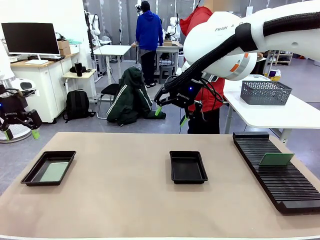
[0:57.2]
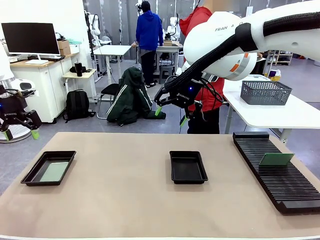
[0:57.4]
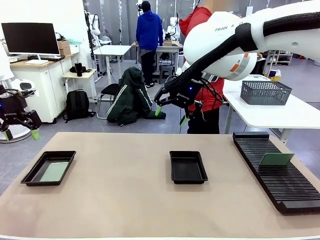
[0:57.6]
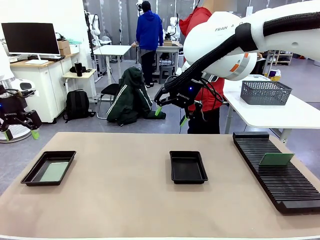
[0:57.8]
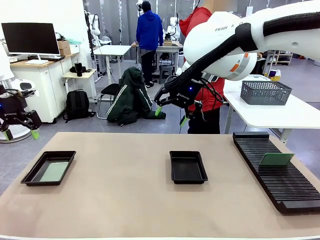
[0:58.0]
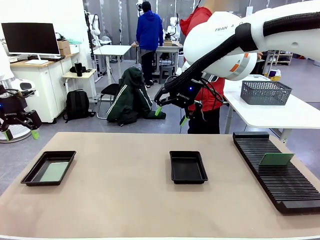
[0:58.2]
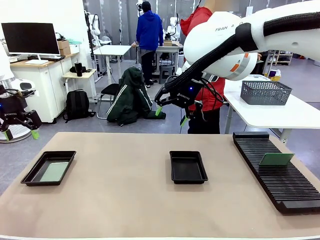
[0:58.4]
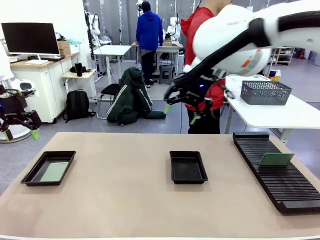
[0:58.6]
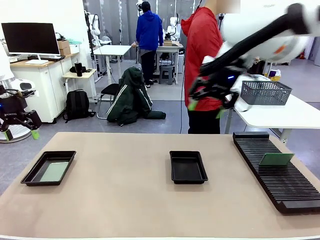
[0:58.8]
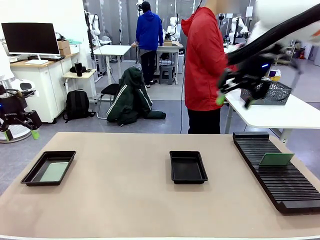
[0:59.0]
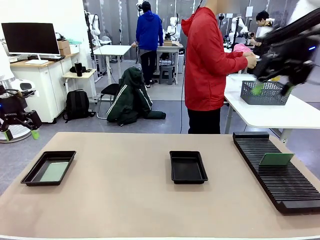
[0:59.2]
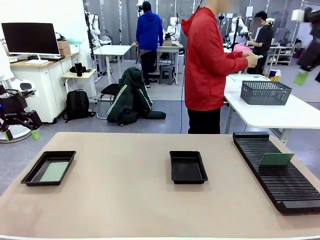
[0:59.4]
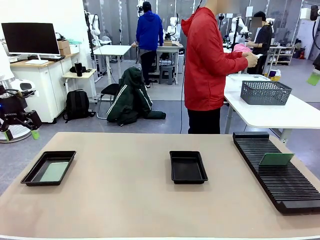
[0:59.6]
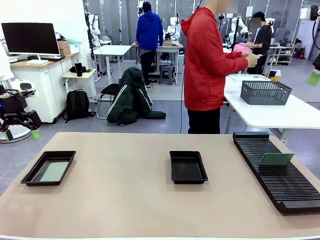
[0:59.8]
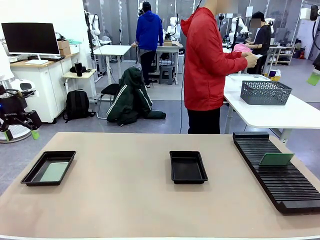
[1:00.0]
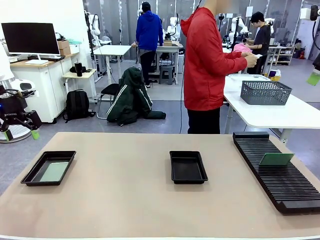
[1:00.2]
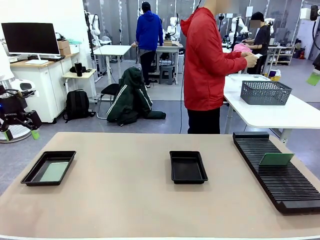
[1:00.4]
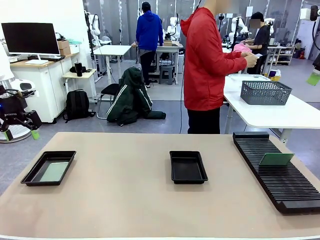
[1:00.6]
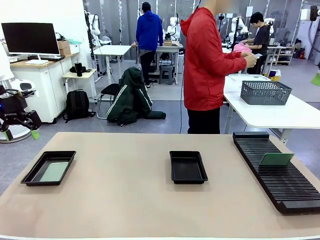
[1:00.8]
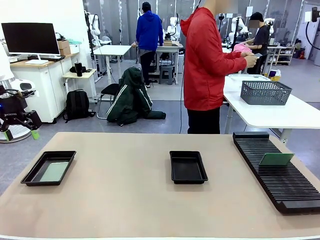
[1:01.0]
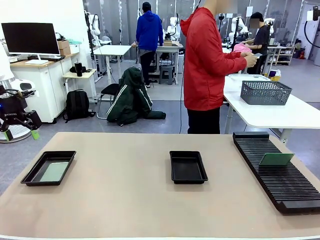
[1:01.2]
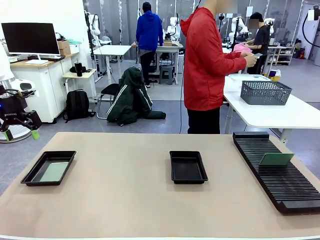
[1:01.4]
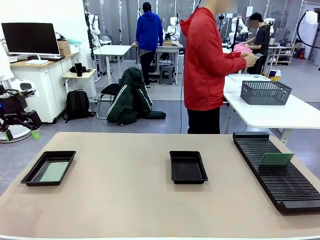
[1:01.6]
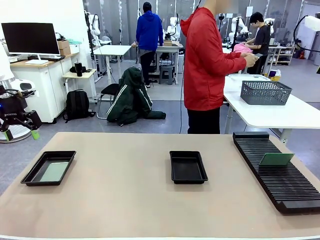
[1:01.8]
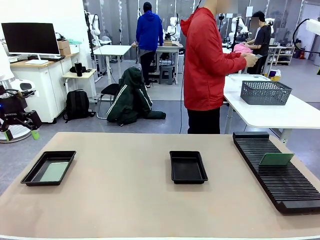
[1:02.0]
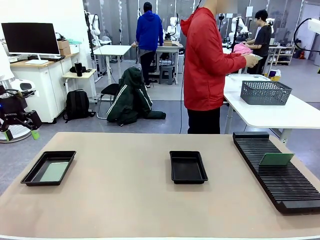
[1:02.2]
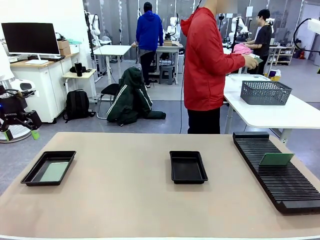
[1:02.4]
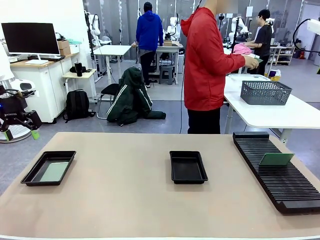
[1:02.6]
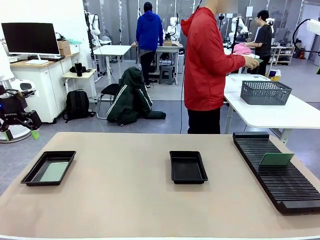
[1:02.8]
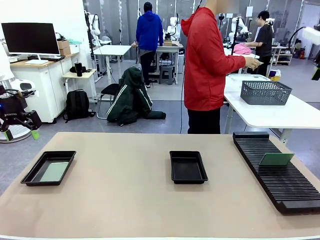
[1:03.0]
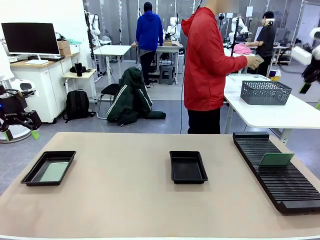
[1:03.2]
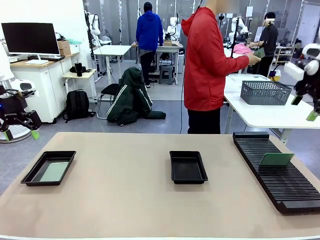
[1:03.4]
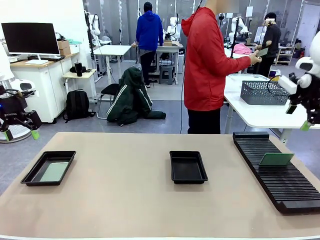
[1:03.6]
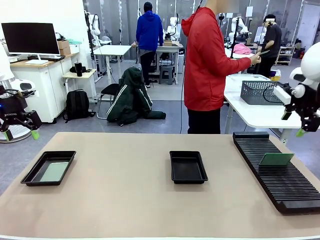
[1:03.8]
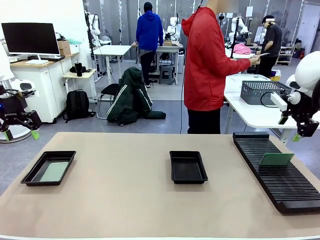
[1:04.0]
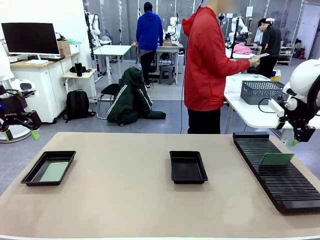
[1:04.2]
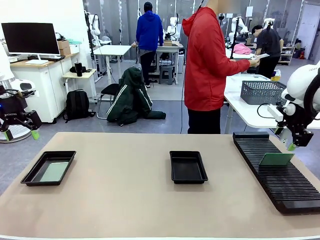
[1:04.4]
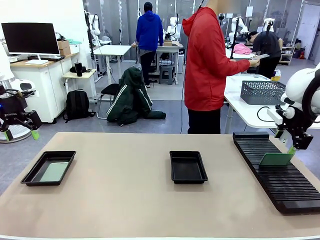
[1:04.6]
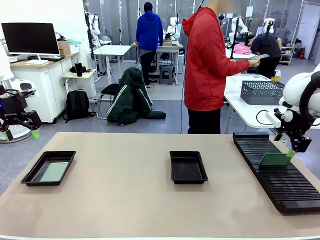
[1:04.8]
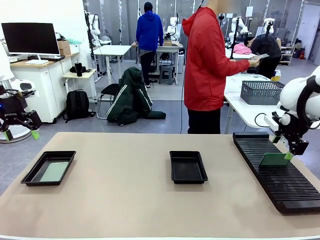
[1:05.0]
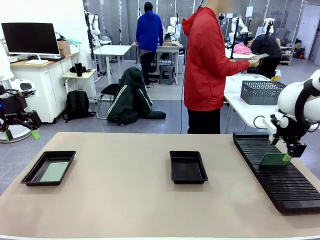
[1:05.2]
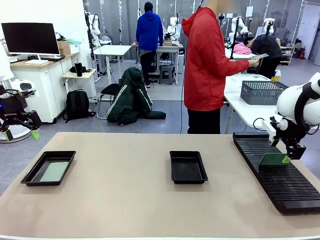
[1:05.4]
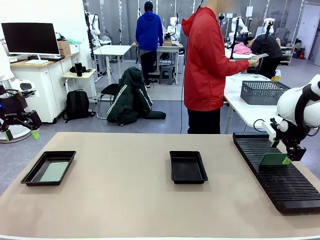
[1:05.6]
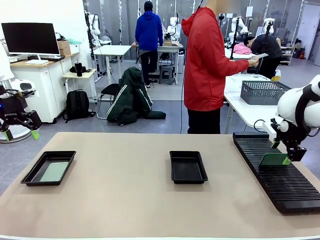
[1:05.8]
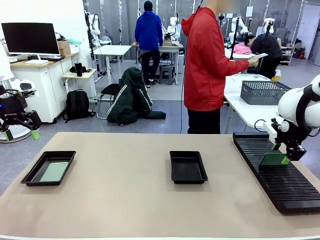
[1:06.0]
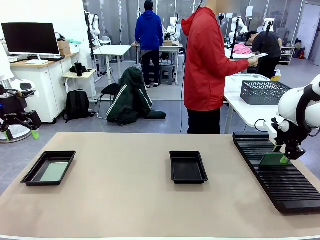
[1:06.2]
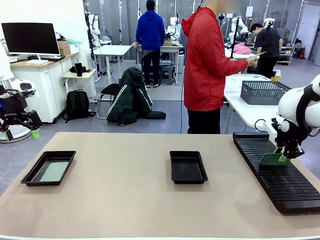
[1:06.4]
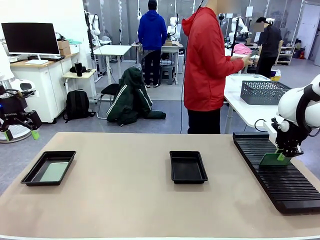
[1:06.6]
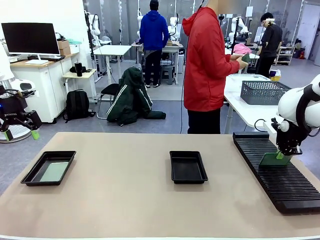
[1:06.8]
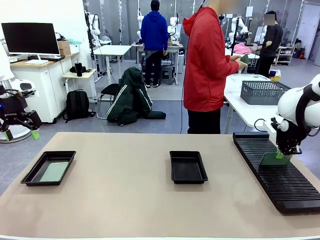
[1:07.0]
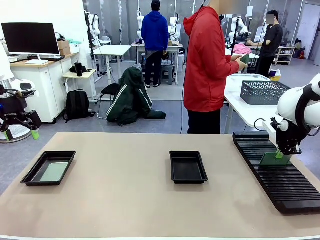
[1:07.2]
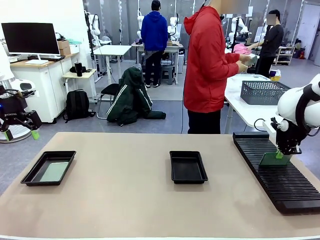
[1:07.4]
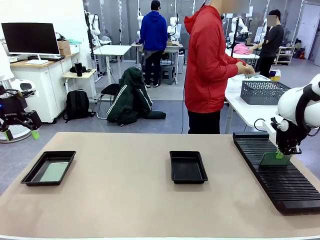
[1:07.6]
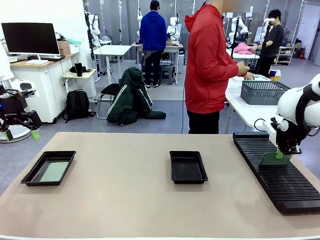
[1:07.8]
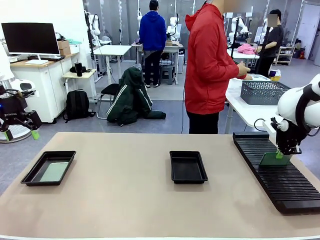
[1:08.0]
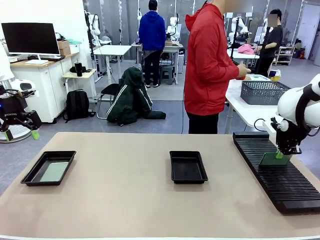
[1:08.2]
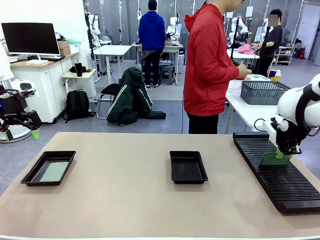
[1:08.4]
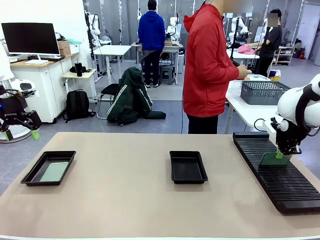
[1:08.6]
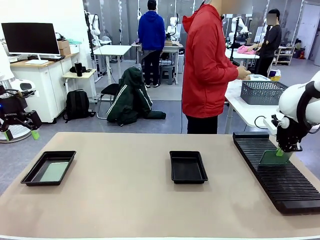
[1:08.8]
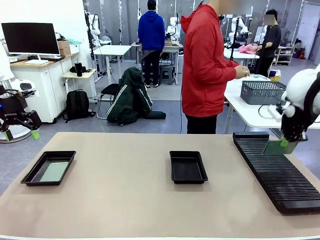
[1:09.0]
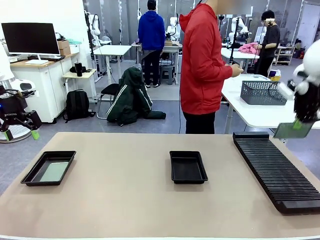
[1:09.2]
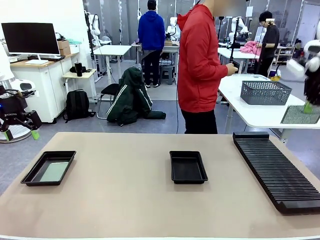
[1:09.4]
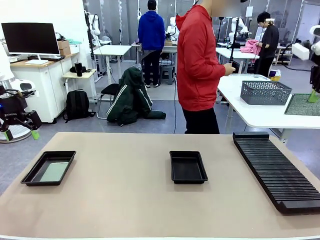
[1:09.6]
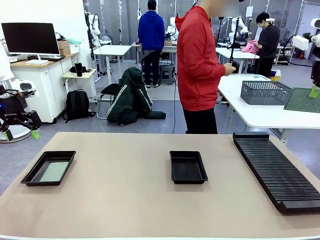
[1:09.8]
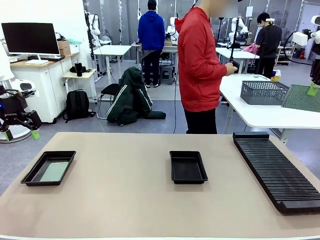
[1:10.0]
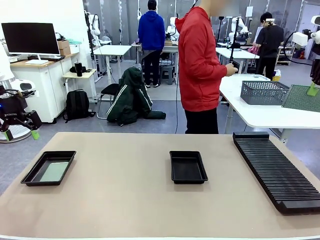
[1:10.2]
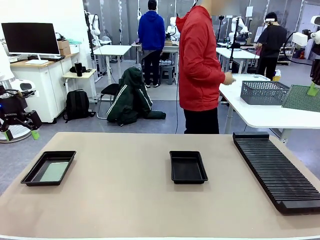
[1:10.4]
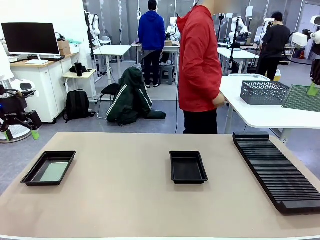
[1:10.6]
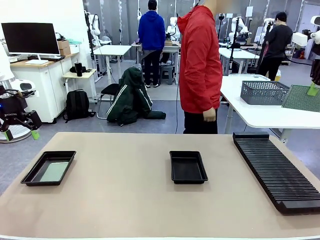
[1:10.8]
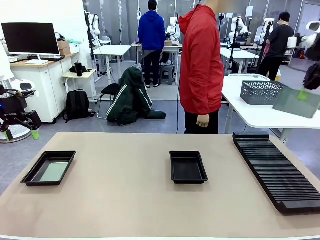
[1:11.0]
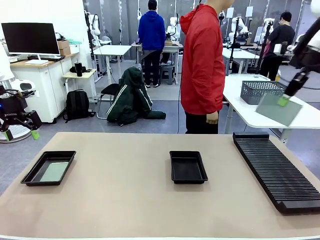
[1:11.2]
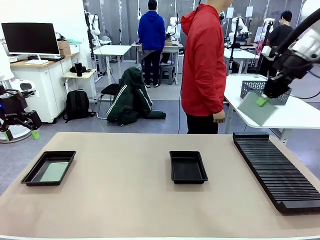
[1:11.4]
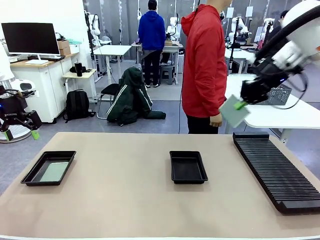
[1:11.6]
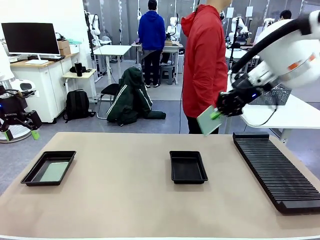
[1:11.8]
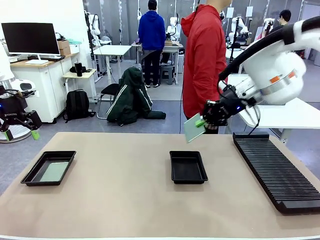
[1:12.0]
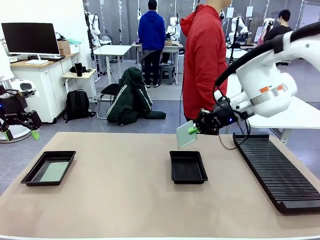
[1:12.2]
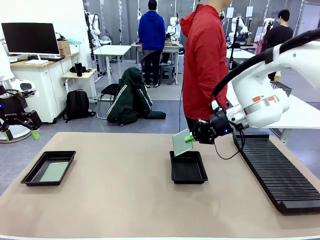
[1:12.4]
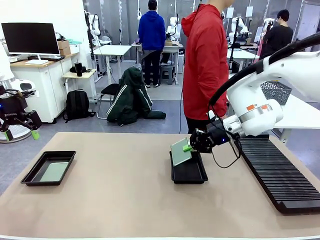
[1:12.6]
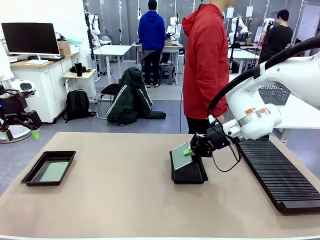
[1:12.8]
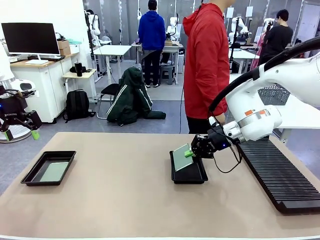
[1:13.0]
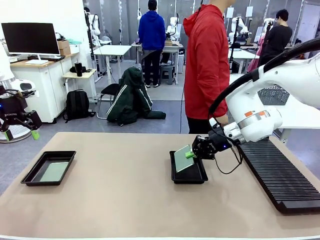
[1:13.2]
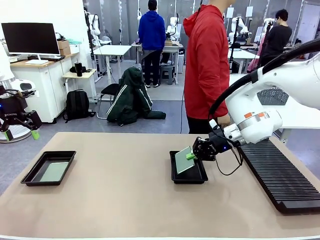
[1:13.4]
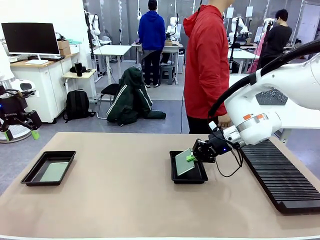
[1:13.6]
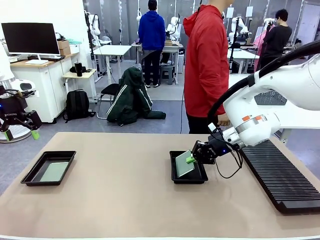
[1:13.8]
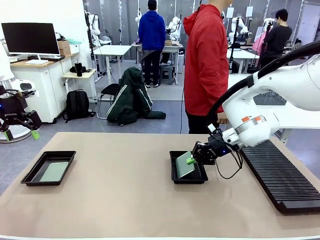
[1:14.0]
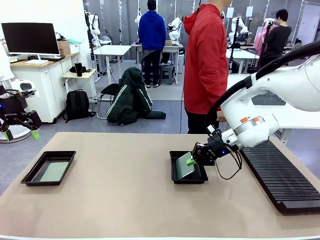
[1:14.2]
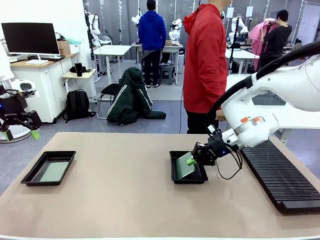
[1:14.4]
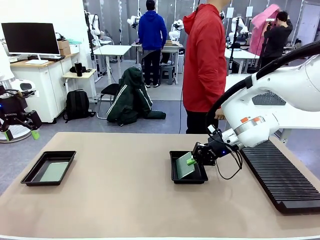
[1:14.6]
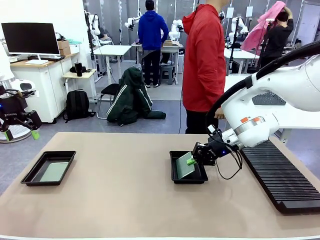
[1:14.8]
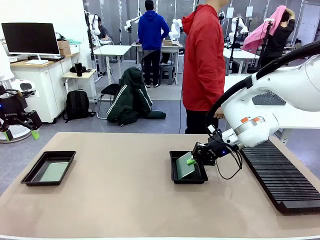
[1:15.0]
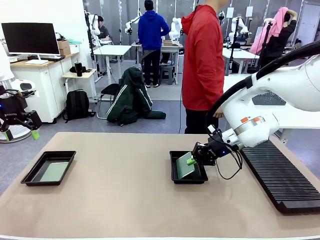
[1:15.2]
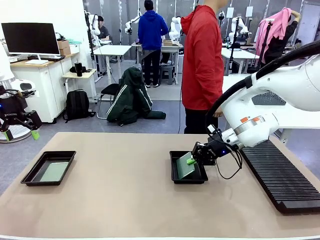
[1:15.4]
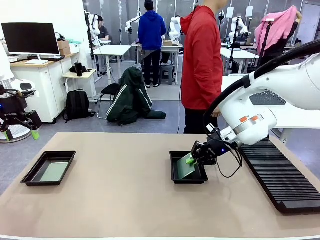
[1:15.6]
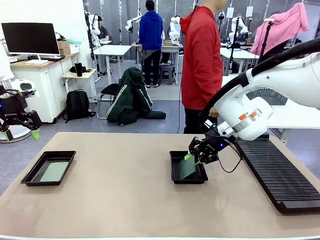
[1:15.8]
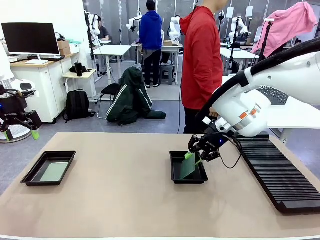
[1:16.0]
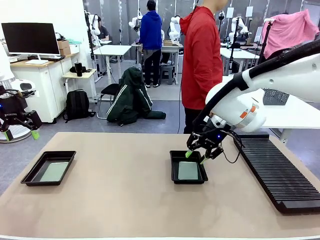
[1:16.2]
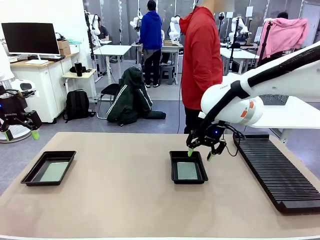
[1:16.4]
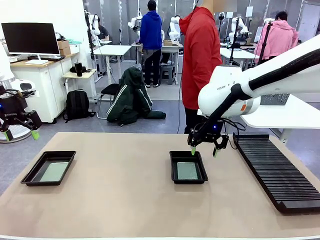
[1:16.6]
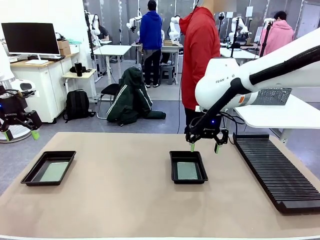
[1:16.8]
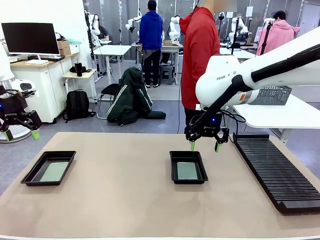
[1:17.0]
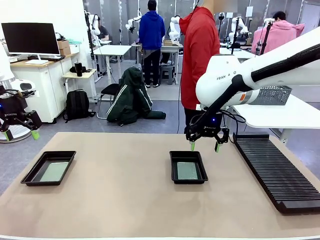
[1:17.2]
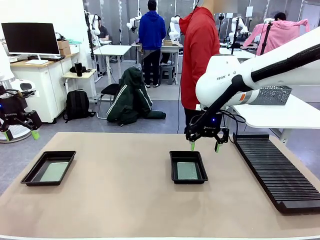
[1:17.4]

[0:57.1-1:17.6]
Task: Inspect and transfer BCBs to ESD trays.
Robot: Pick up the Blank PCB from the PCB Rack and place it in the right ESD tray.
